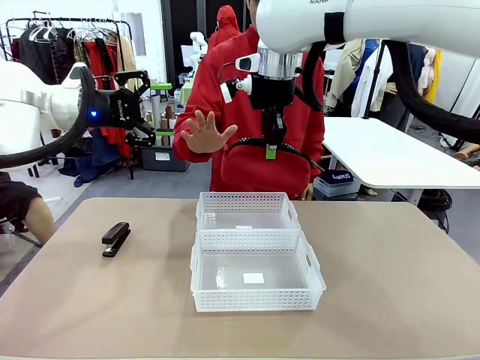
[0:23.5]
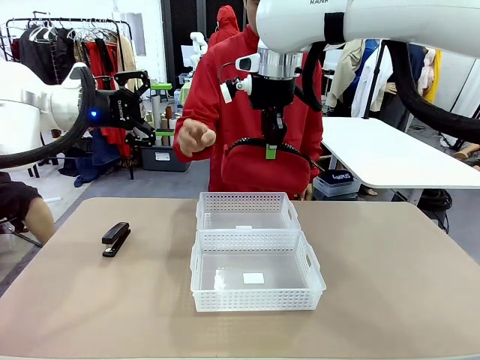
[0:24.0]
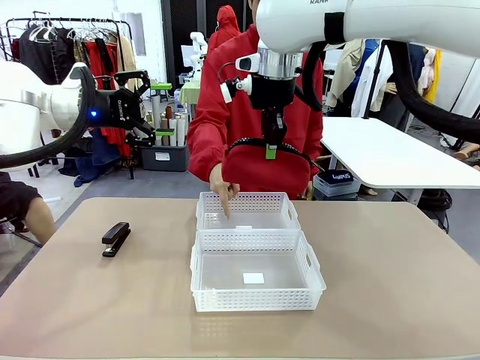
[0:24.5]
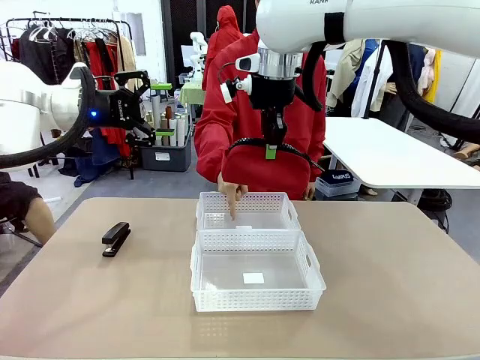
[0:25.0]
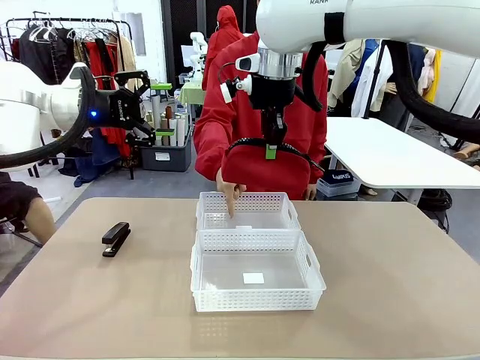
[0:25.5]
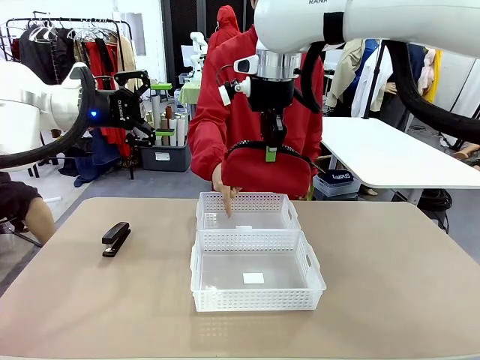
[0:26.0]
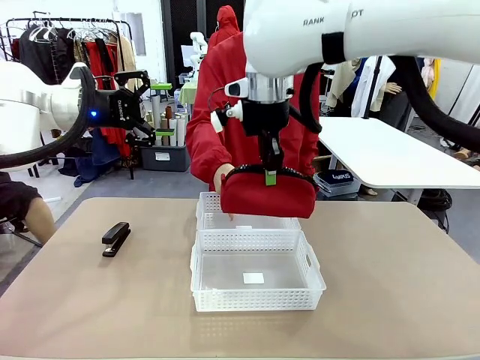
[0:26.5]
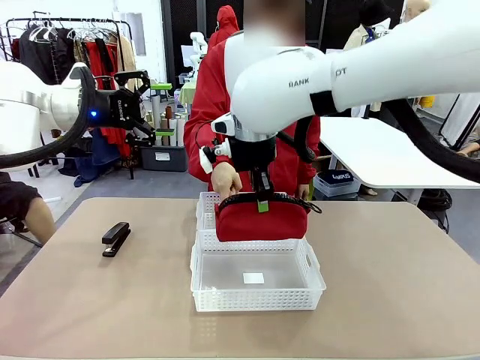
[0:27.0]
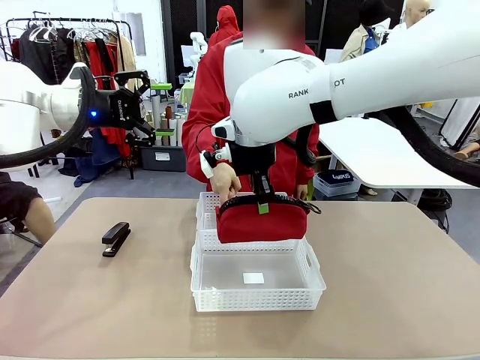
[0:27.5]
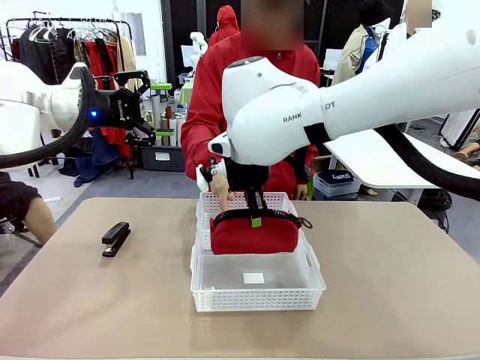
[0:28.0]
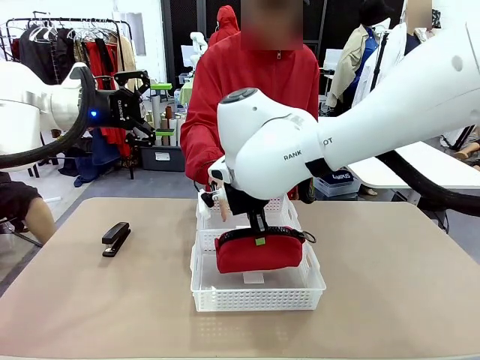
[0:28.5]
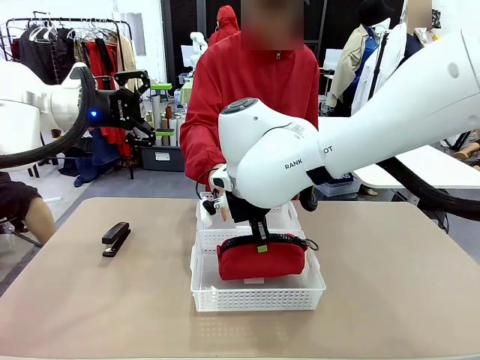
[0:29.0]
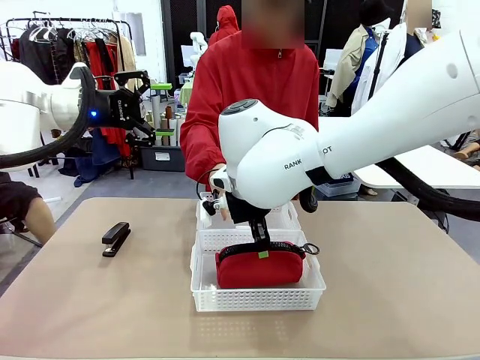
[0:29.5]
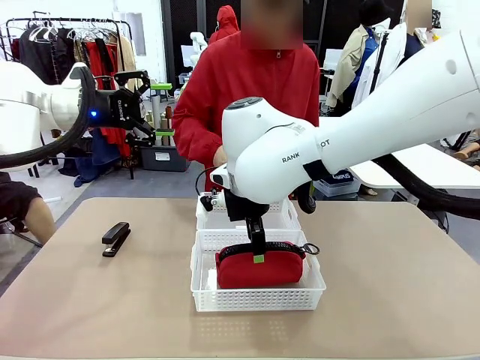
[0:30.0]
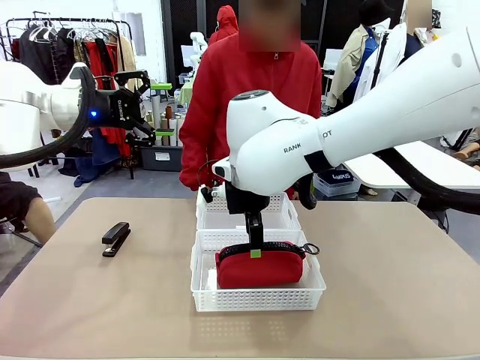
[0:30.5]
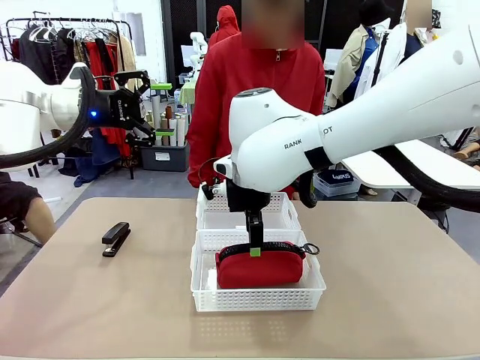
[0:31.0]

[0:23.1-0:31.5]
Task: Distribute items into two baskets.
Robot: Place the picked Pencil pouch into the Organizing basket as instructed by the person.
Person: Instructs the robot to place the pencil case into the opposite basket.

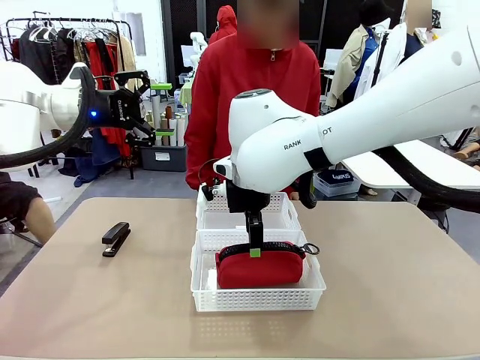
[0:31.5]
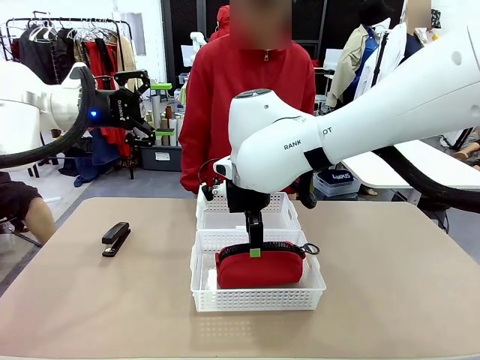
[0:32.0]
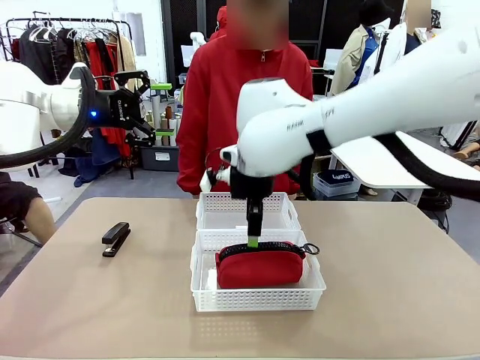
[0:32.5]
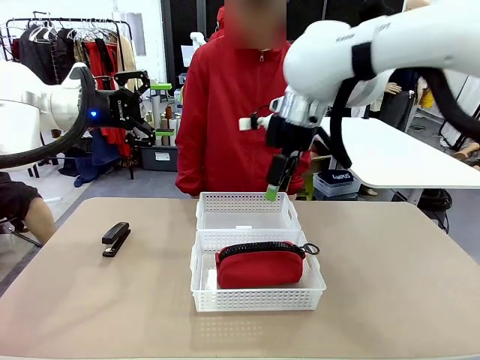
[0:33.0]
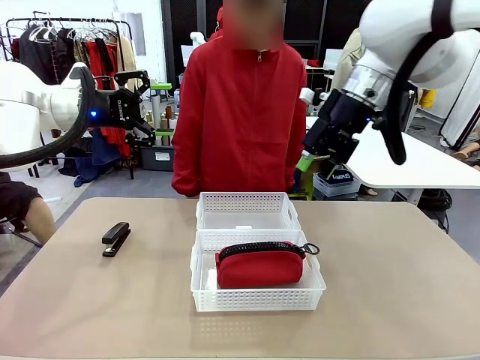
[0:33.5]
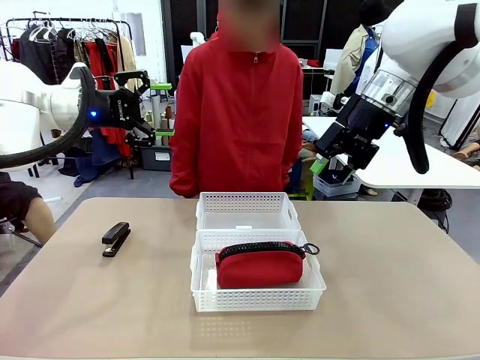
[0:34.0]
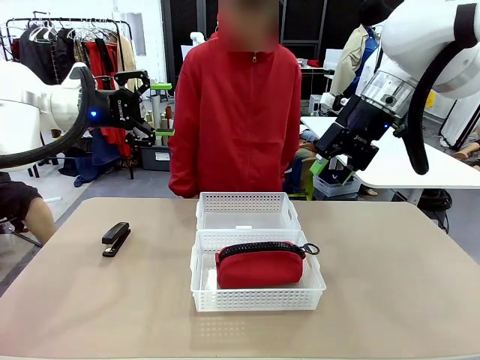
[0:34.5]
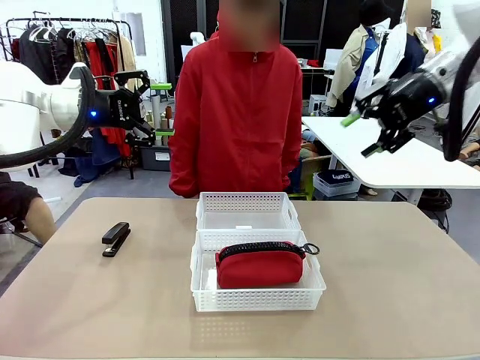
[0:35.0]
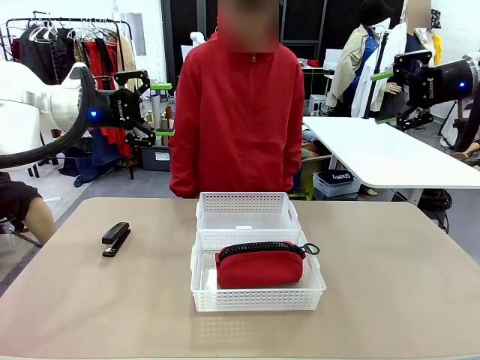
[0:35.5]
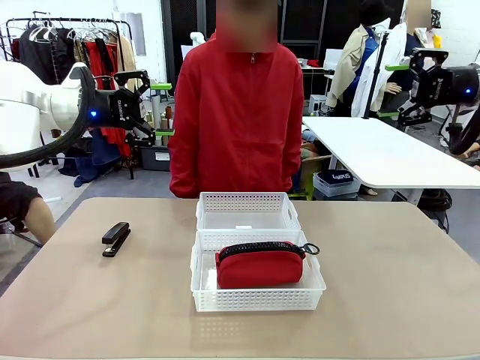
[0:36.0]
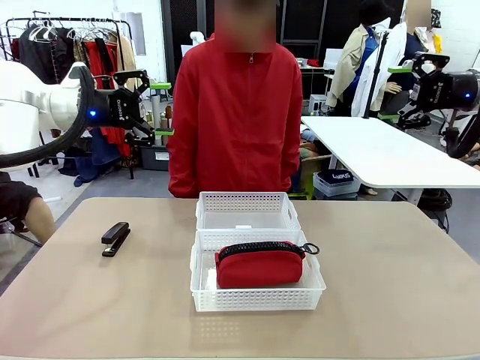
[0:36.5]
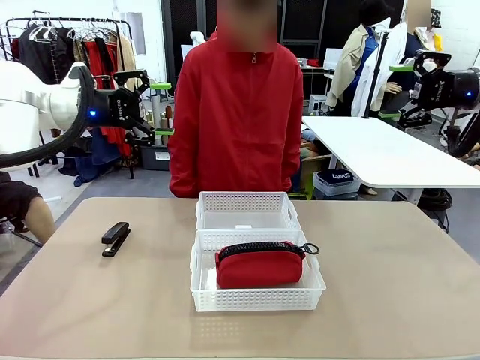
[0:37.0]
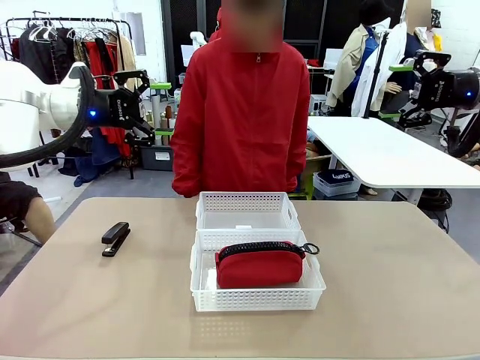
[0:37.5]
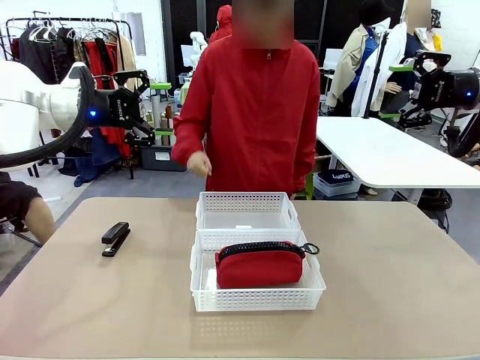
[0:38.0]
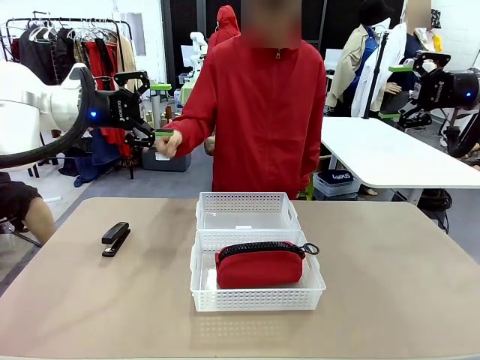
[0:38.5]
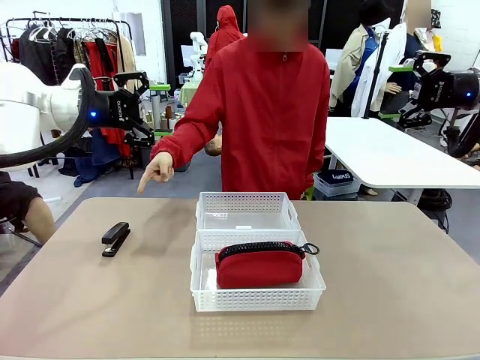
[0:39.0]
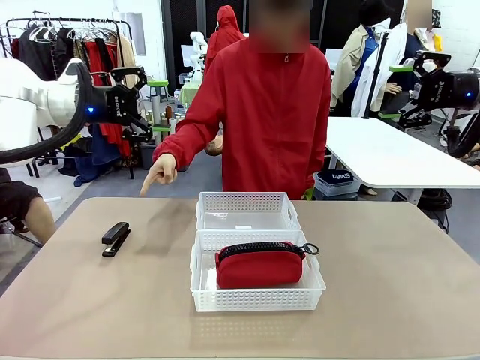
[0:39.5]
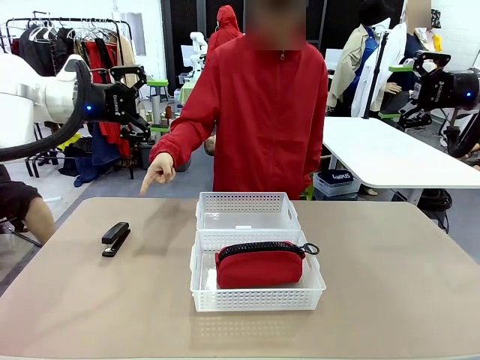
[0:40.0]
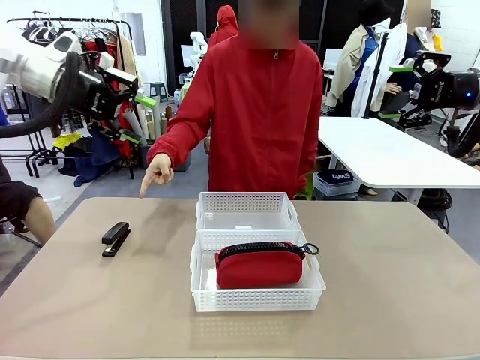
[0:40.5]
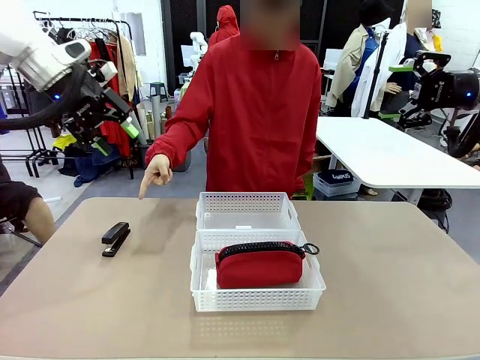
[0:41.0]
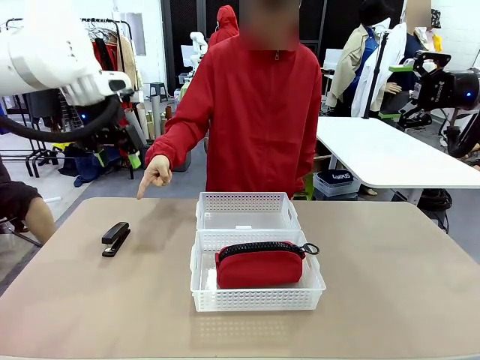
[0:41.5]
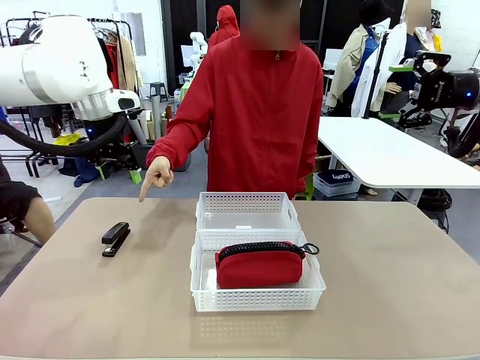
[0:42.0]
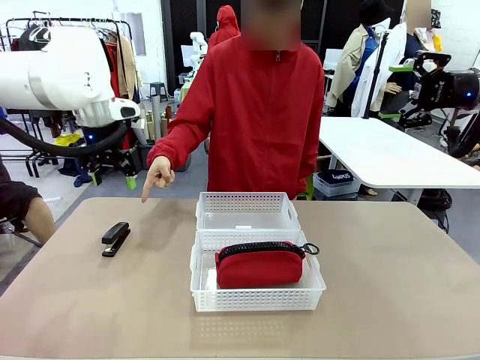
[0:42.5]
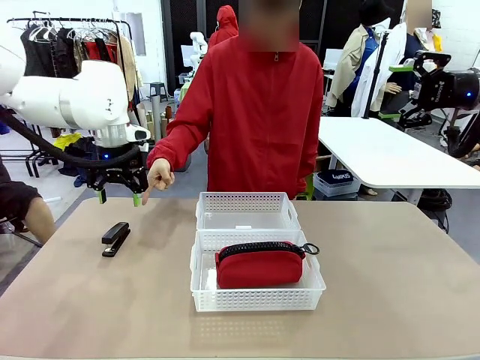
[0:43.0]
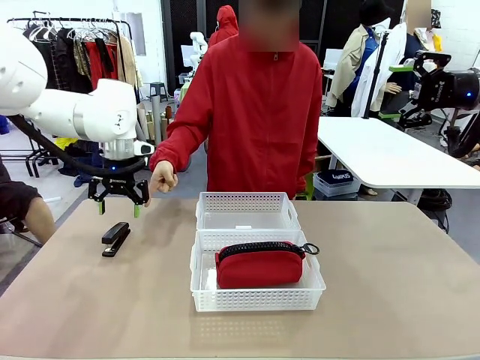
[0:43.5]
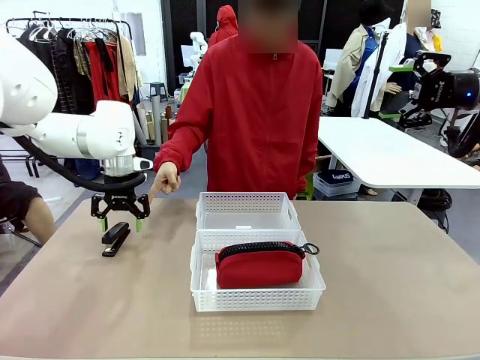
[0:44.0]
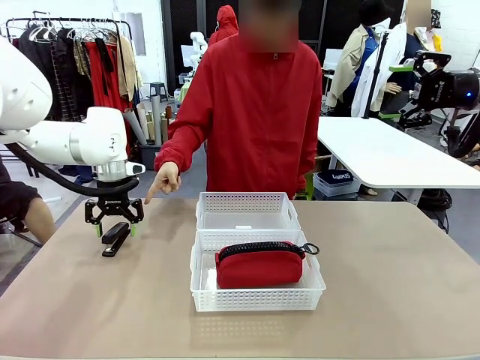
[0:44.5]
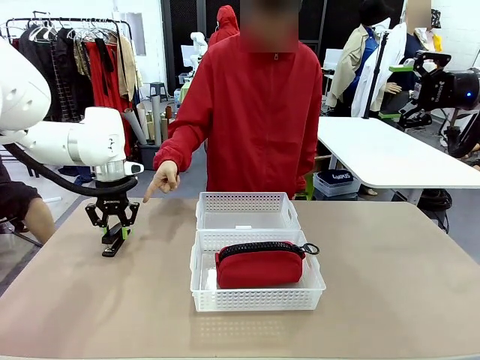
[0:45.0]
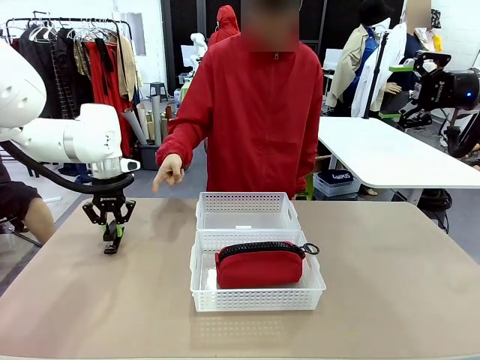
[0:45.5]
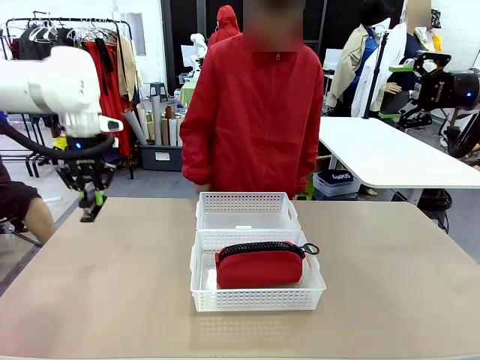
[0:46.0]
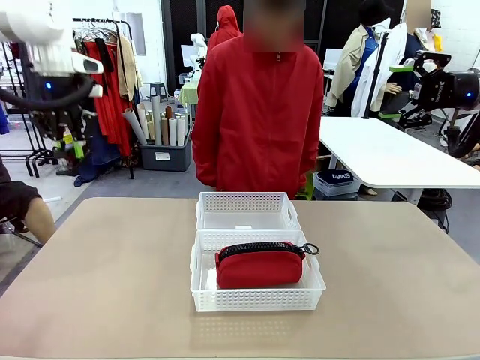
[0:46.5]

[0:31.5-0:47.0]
Robot: Pick up the Stapler that the person points to.
Person: Points to the stapler.

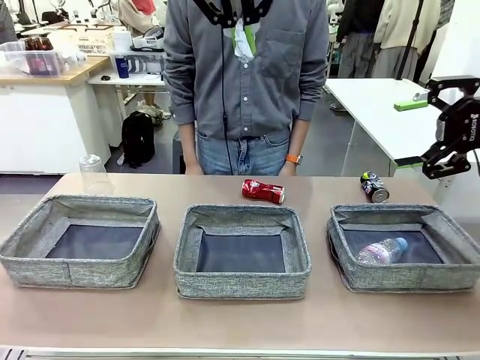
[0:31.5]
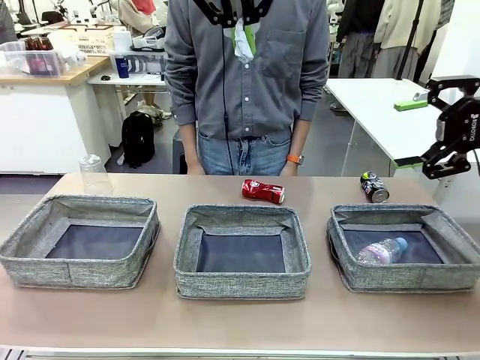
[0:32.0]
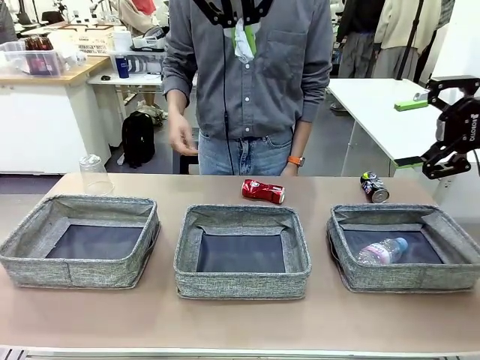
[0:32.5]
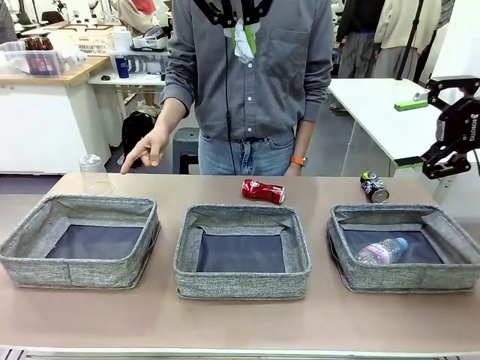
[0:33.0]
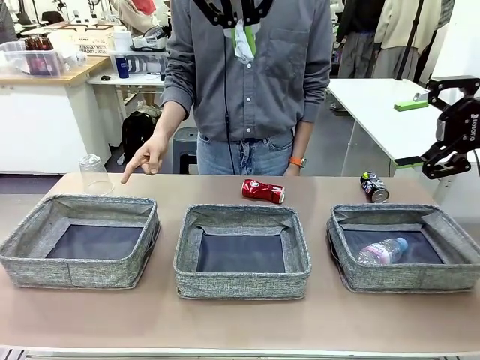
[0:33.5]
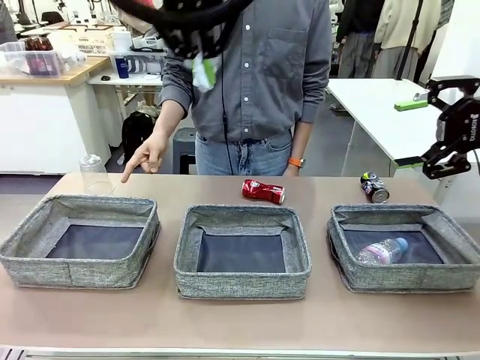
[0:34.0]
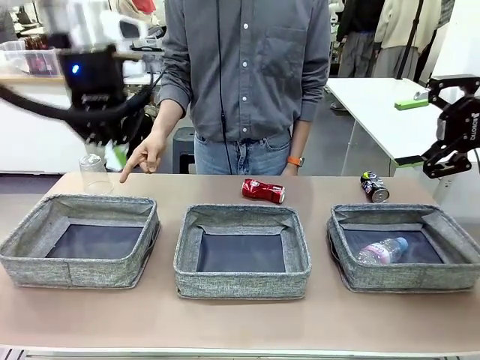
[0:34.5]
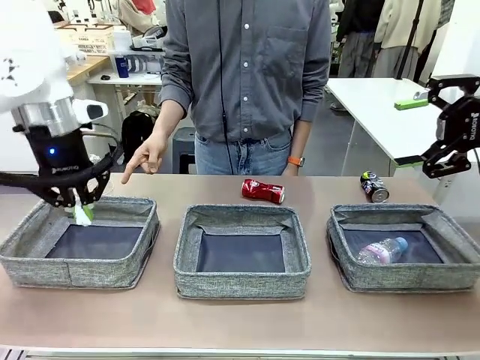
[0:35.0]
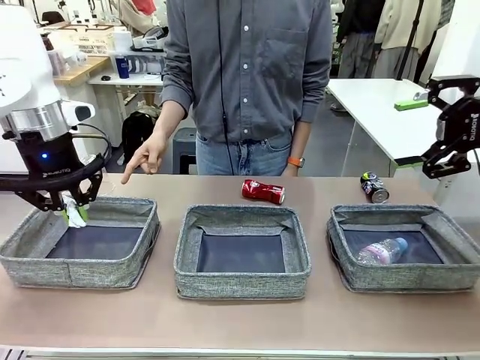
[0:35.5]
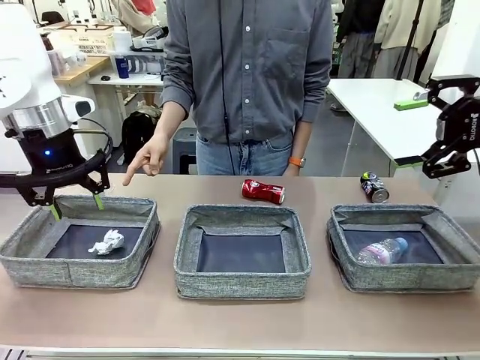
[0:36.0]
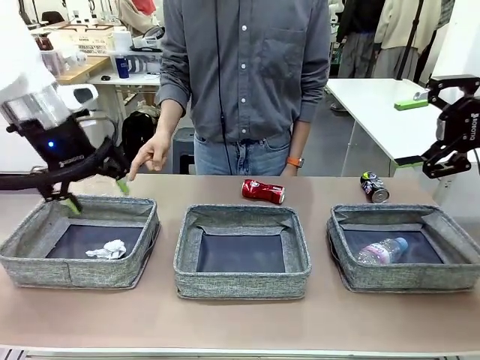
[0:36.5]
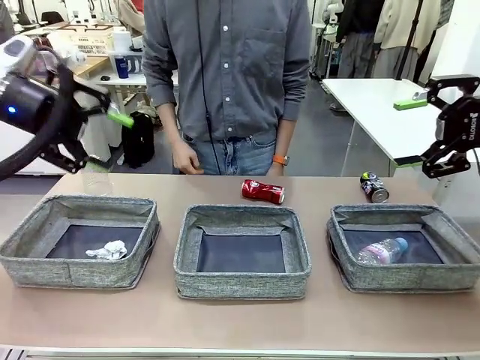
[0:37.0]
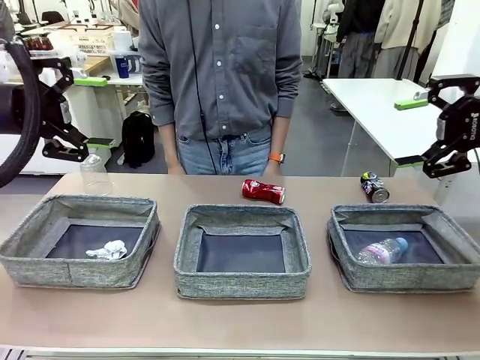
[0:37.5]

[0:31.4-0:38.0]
Task: Sort the waste into the appropriate baskets.
Robot: Place the picked waste into the Fabric basket indicated by the person.
Person: Instructs the robot to place the picked-up trash into the appropriate organizing basket.
